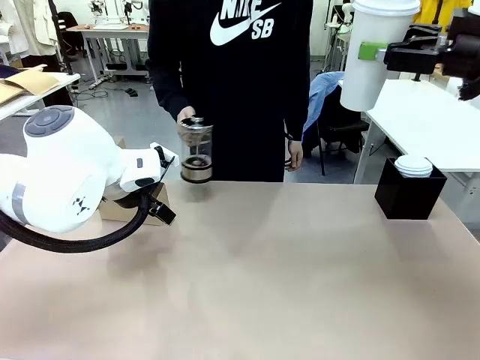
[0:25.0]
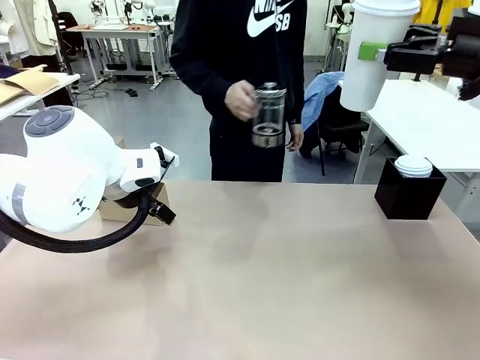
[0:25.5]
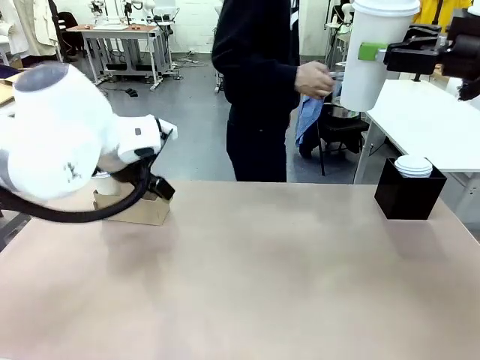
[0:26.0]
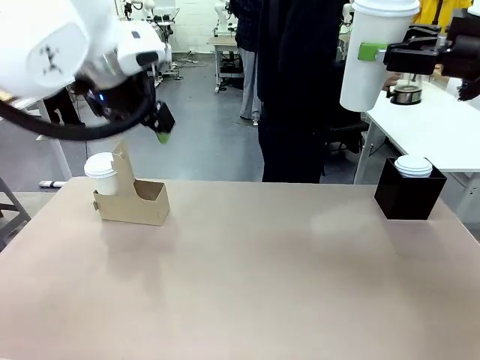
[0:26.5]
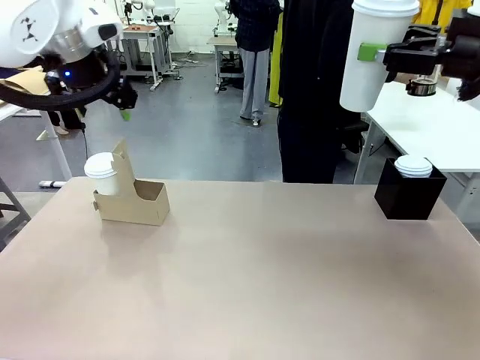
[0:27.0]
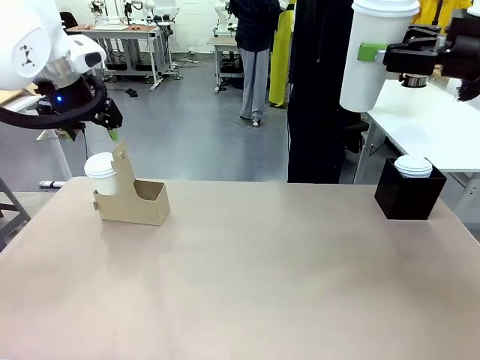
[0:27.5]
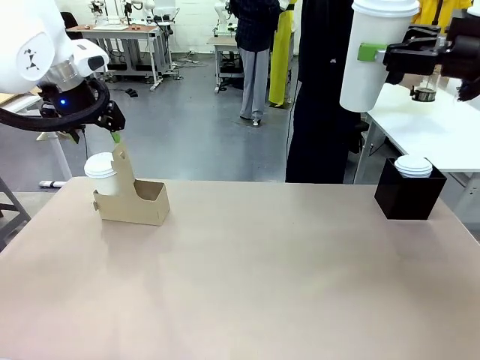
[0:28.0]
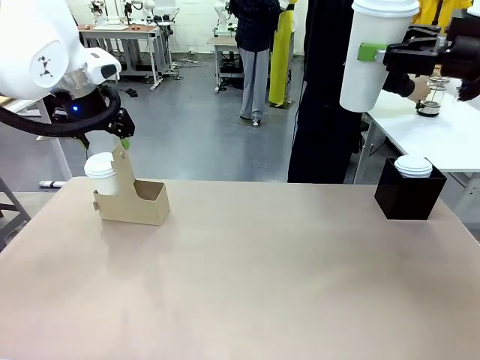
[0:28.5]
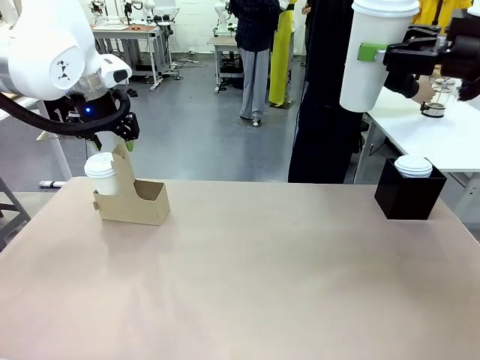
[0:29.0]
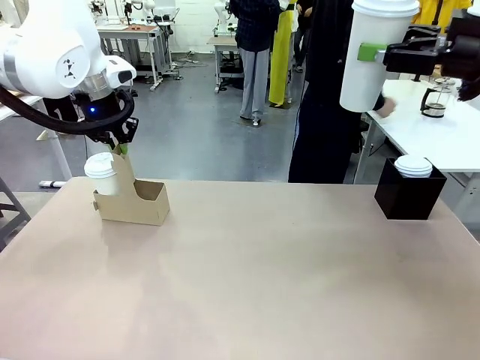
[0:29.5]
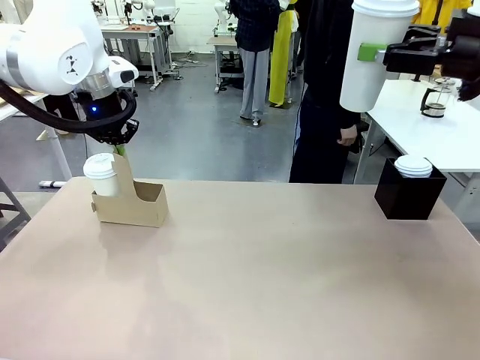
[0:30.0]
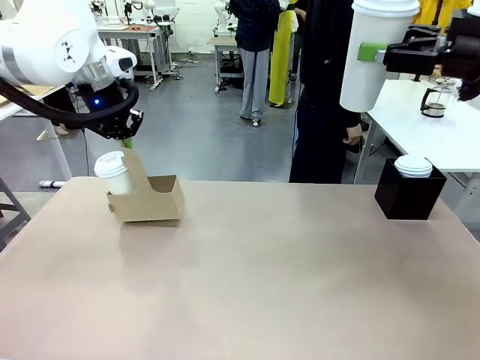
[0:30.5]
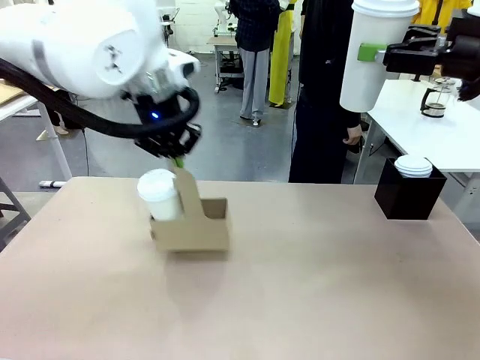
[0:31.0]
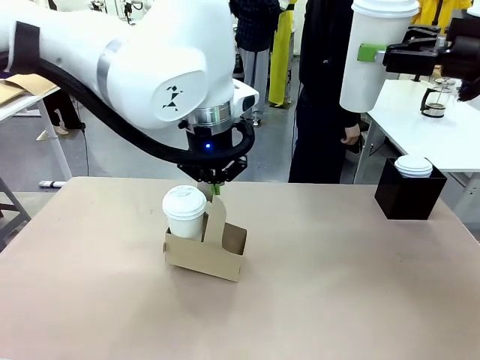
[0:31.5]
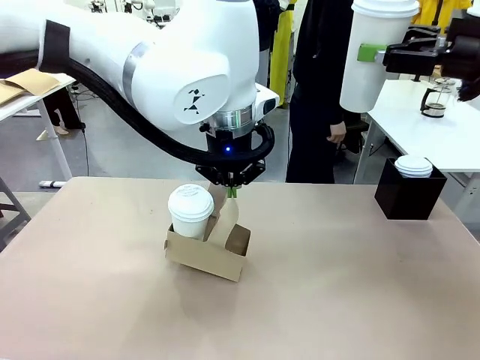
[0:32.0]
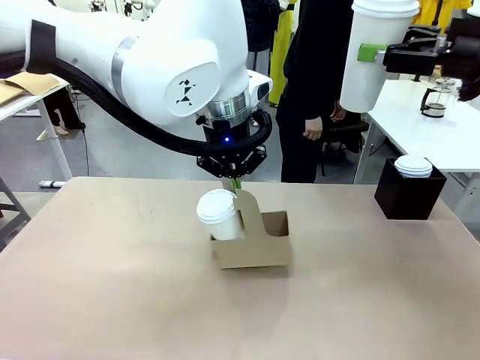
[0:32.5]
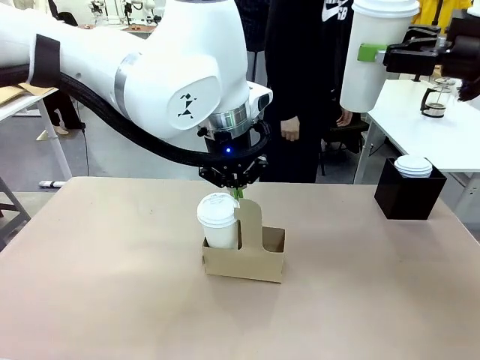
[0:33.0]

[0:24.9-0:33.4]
Task: Pour a drink into a cup and package it in a carrier.
Robot: Position the Cup Carrier in the center of the table.
Person: Pick up the Filter Brewing and place on the middle of Human table, and return to the Robot table.

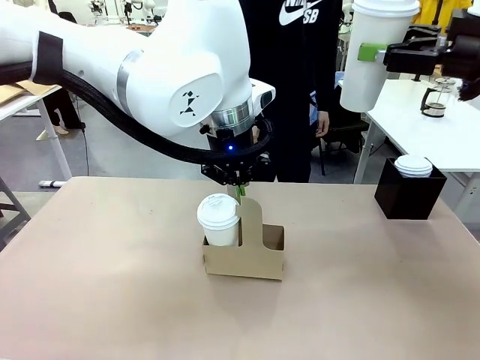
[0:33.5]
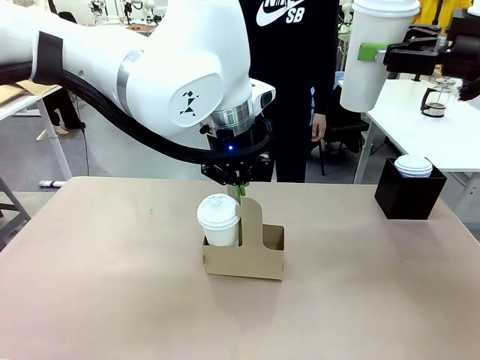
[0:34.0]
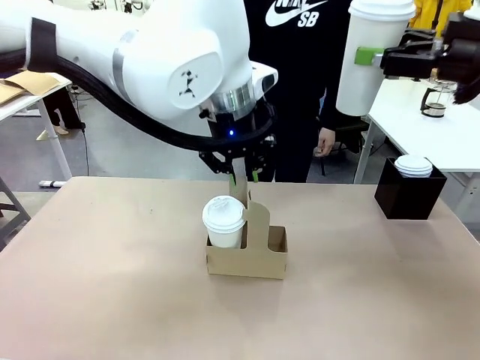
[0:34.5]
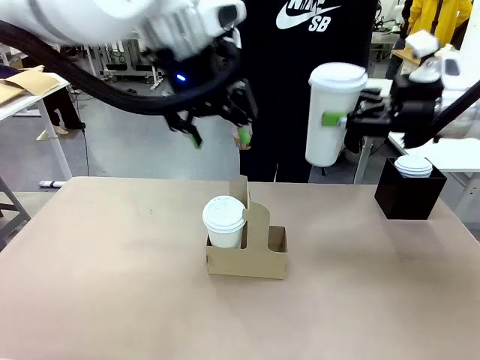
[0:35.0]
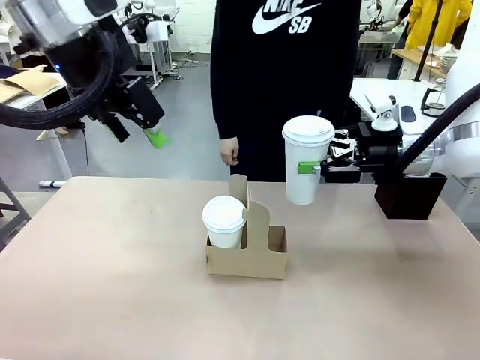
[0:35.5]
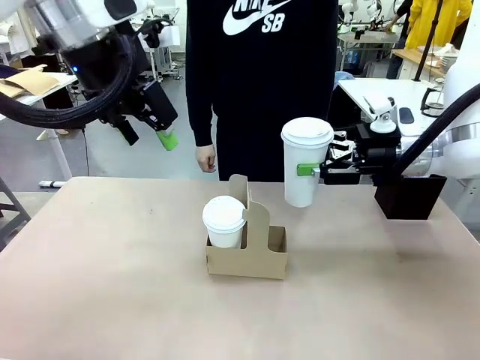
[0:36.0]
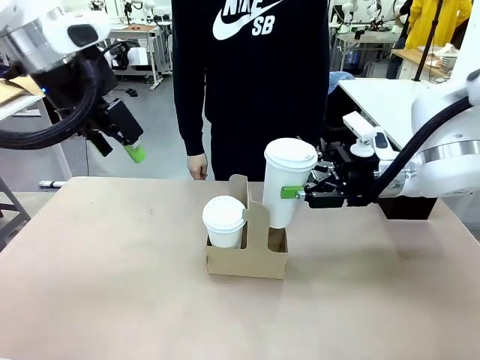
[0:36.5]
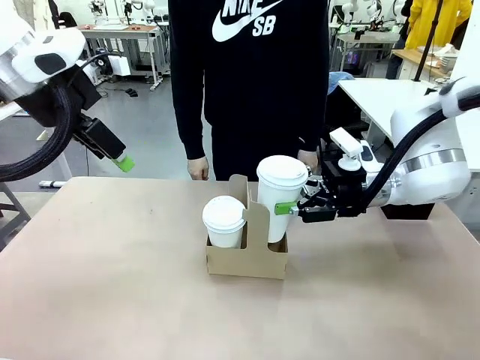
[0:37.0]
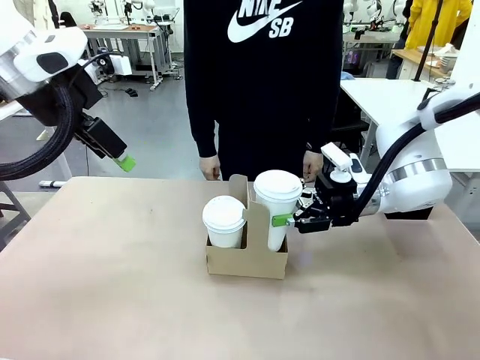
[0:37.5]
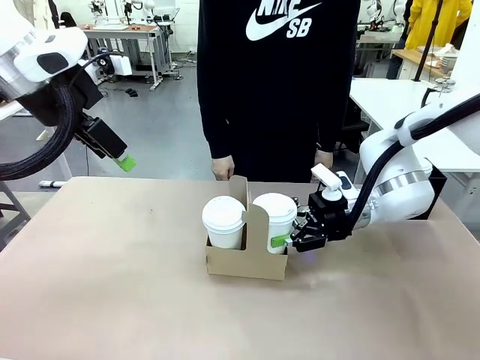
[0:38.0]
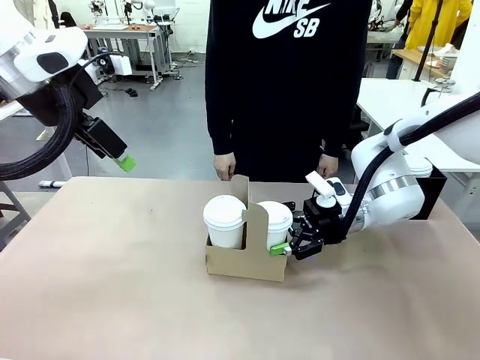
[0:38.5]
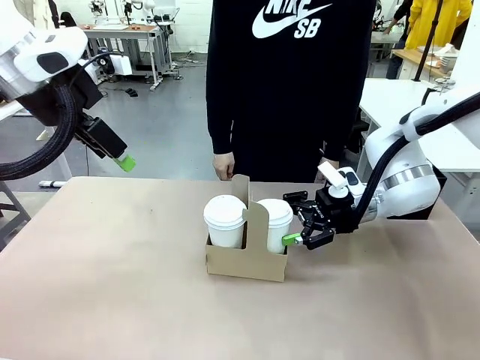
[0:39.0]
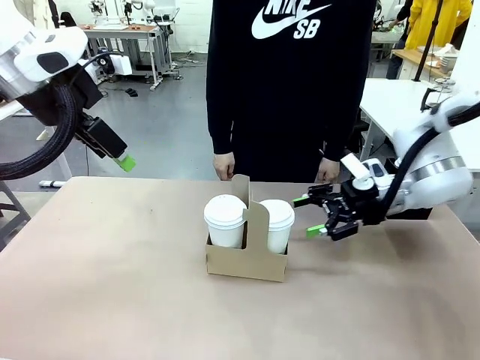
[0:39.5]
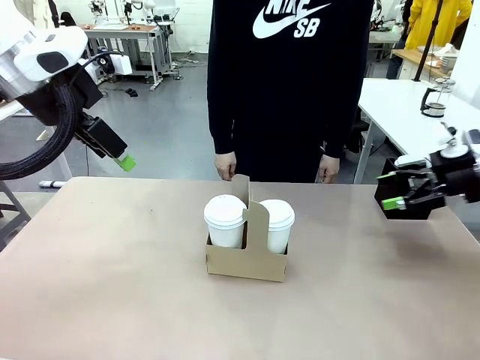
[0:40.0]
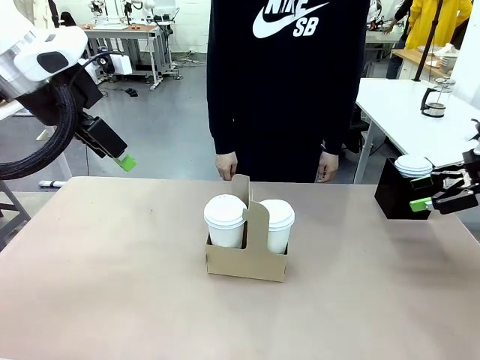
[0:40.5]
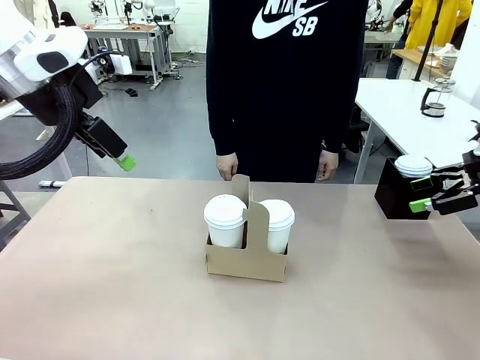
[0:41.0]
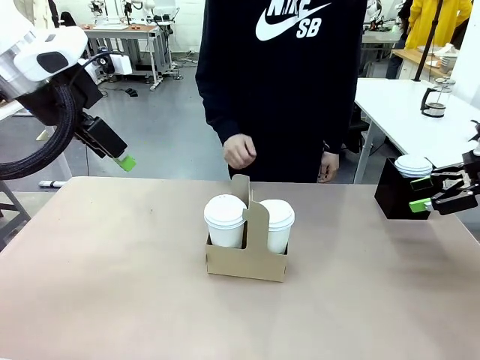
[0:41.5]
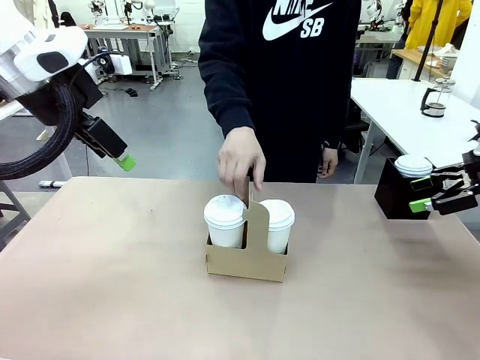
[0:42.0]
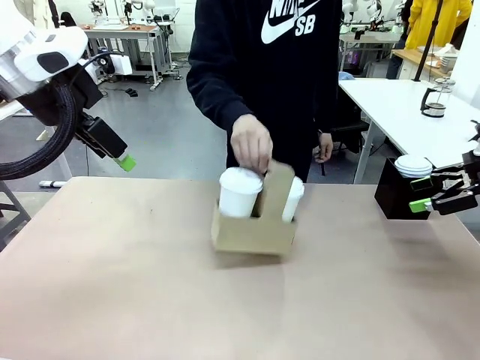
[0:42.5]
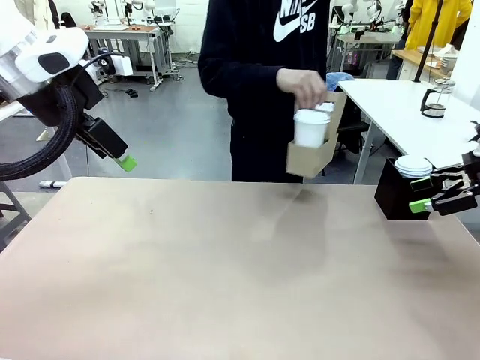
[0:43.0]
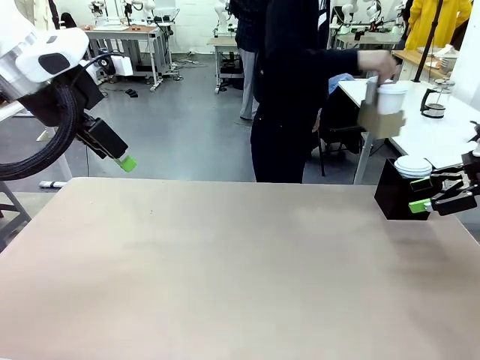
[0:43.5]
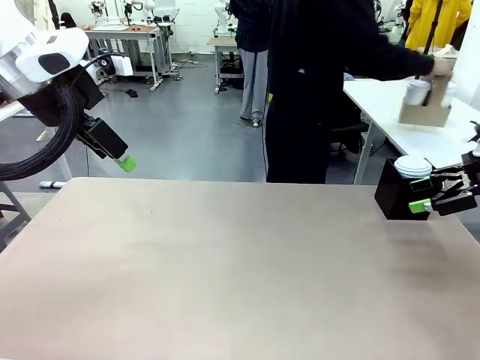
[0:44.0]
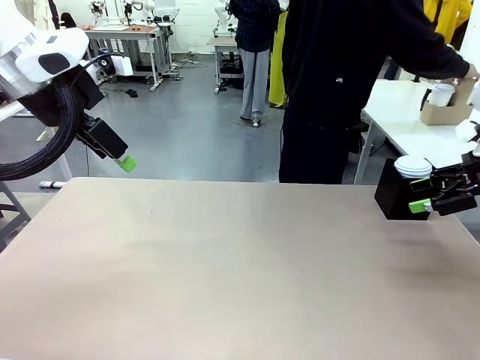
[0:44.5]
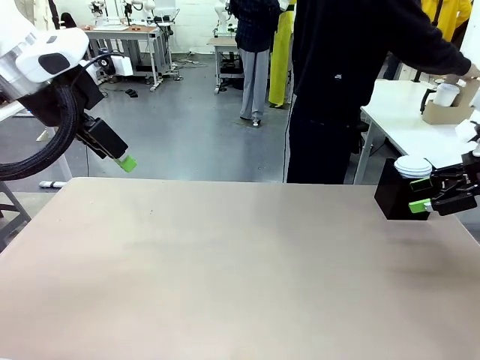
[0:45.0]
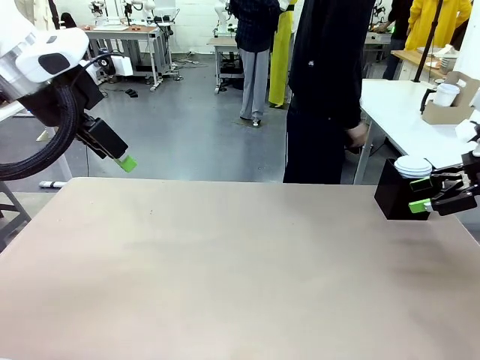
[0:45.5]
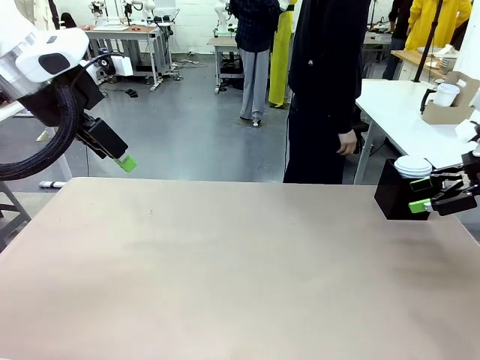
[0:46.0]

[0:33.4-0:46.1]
Robot: Insert the held 600 ml Paper Cup into the Cup Carrier.
Person: Place the Cup Carrier to the middle of Human table.

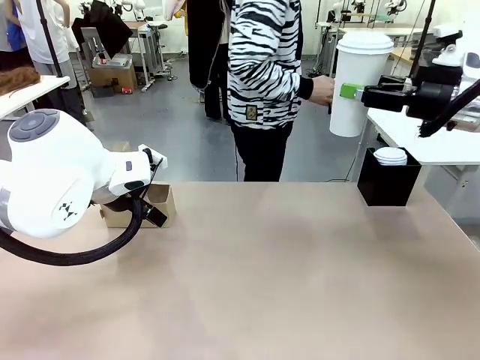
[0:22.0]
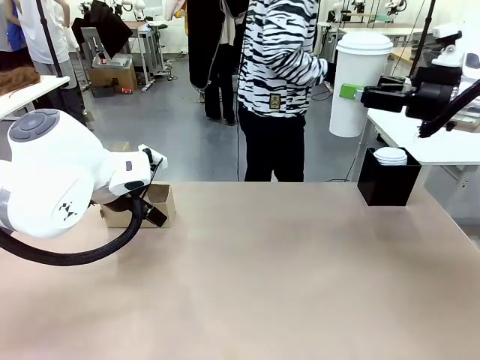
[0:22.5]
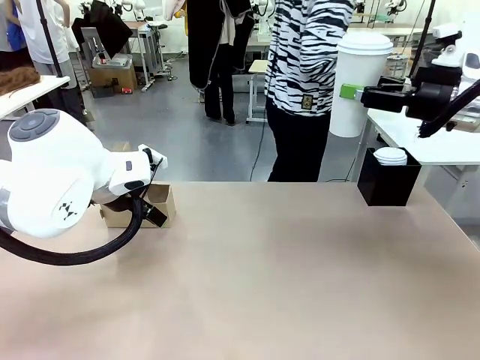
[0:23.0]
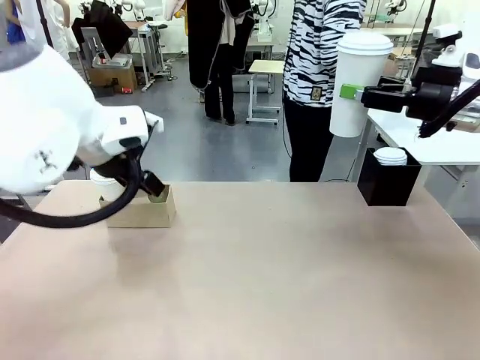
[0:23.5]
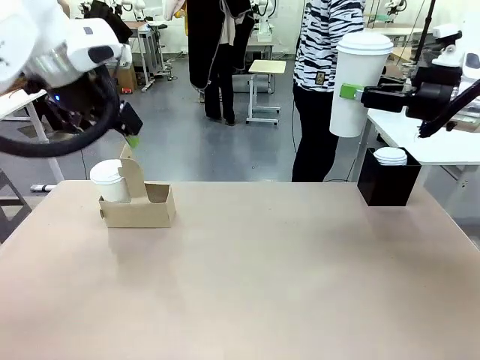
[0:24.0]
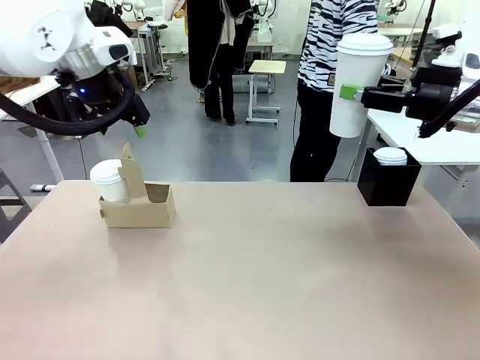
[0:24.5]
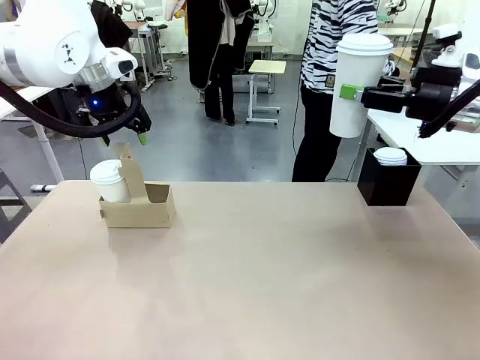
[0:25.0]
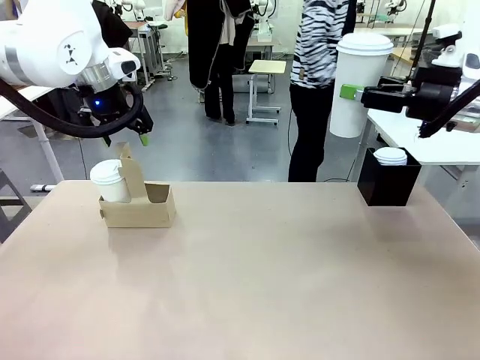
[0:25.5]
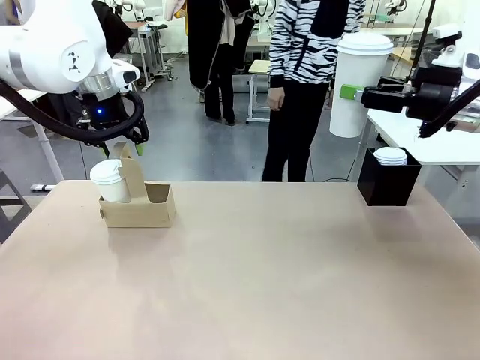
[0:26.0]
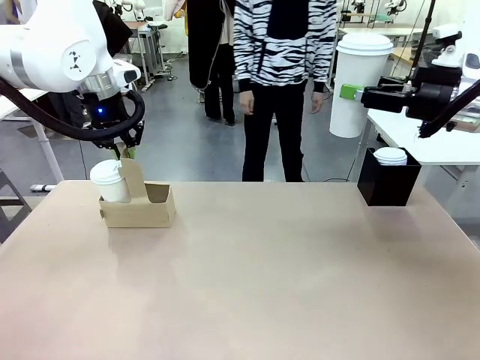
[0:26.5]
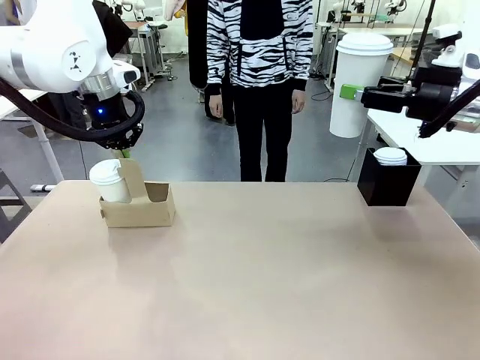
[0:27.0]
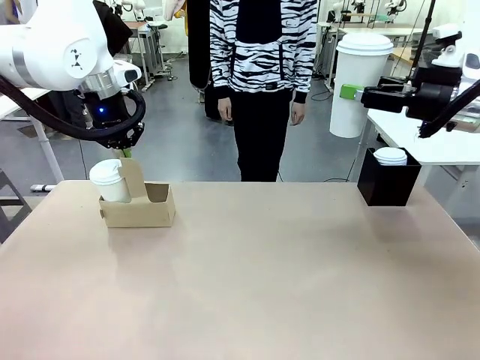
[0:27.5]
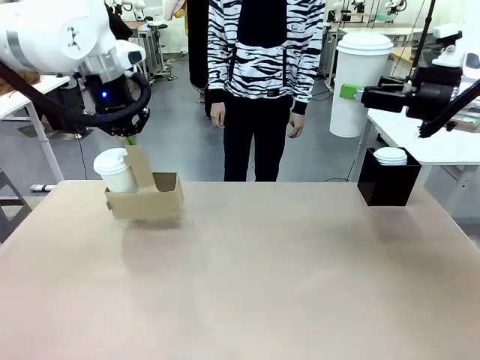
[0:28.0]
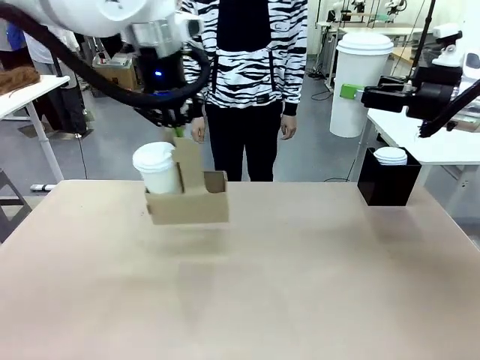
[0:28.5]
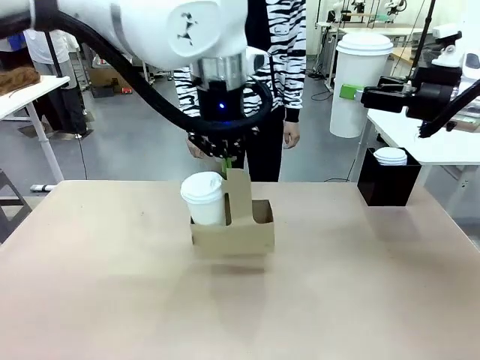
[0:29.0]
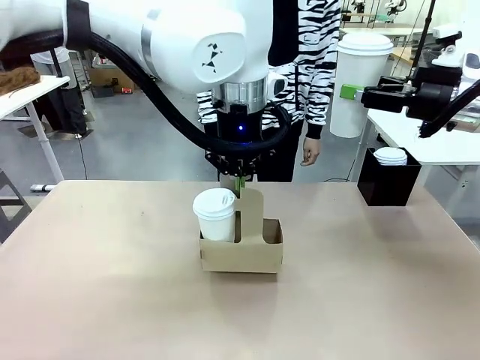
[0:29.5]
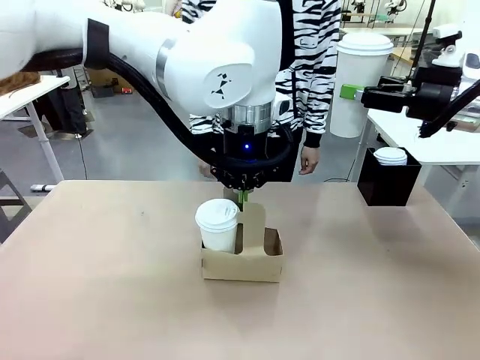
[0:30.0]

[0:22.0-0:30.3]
Task: Pour a drink into a cup and package it in a carrier.
Robot: Position the Cup Carrier in the center of the table.
Person: Pick up the Filter Brewing and place on the middle of Human table, and return to the Robot table.
